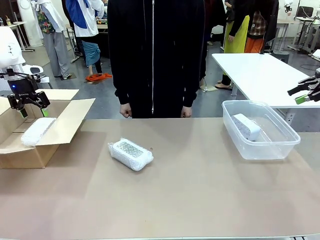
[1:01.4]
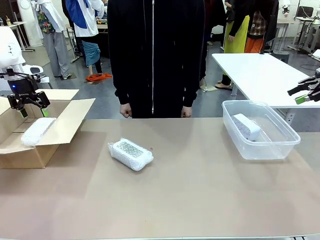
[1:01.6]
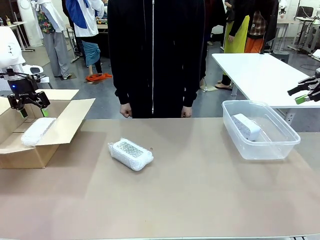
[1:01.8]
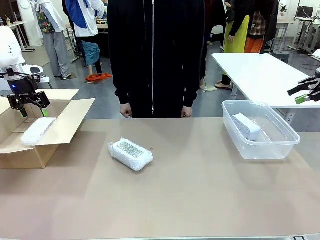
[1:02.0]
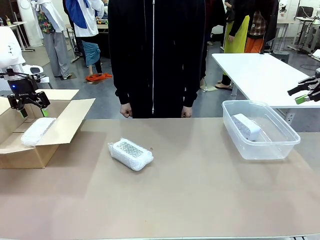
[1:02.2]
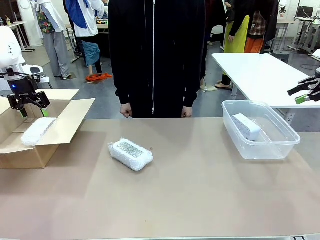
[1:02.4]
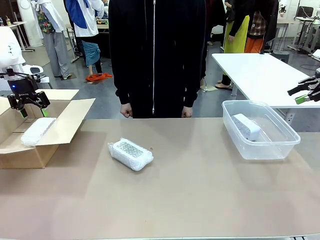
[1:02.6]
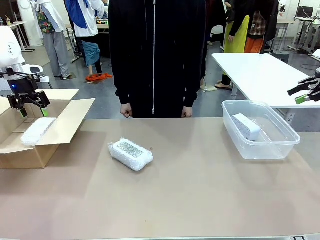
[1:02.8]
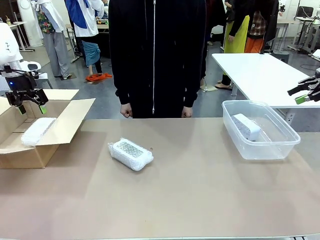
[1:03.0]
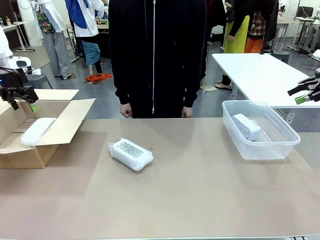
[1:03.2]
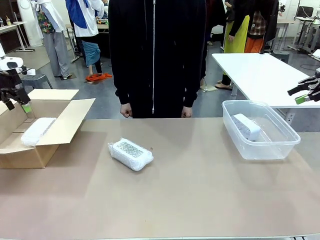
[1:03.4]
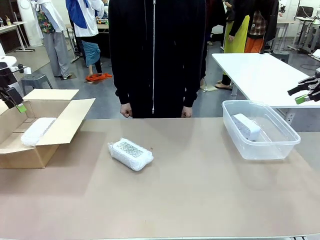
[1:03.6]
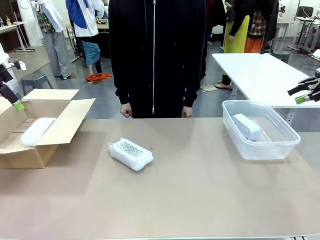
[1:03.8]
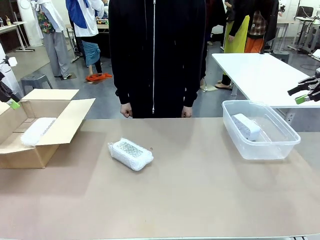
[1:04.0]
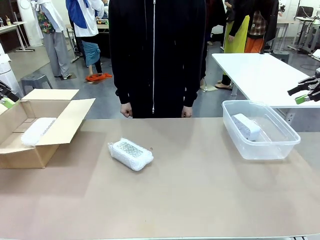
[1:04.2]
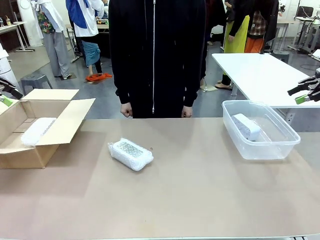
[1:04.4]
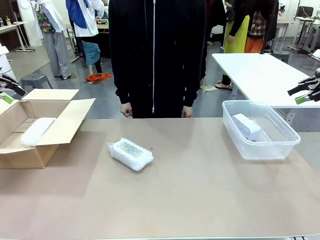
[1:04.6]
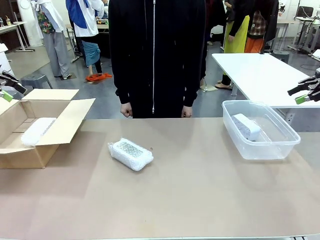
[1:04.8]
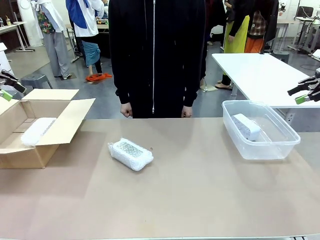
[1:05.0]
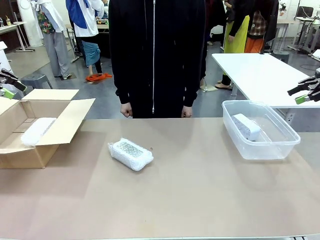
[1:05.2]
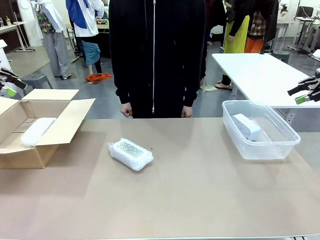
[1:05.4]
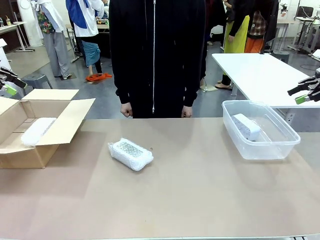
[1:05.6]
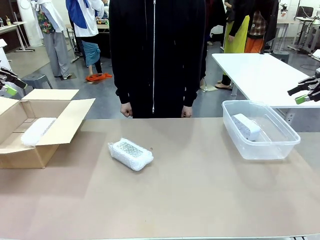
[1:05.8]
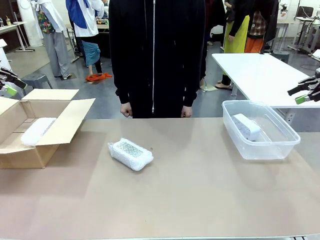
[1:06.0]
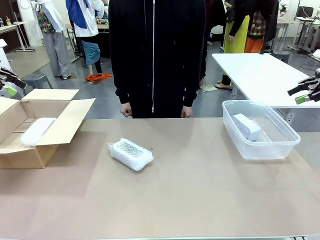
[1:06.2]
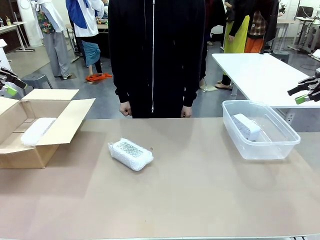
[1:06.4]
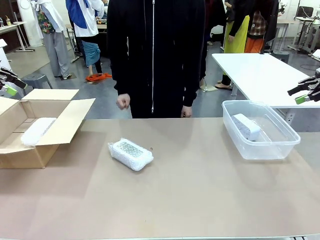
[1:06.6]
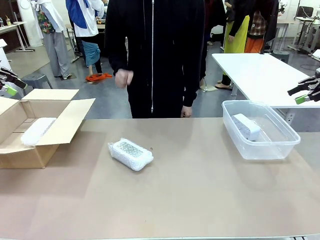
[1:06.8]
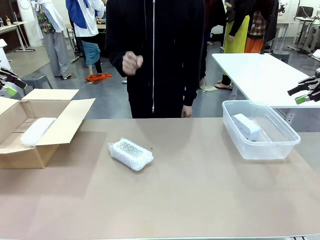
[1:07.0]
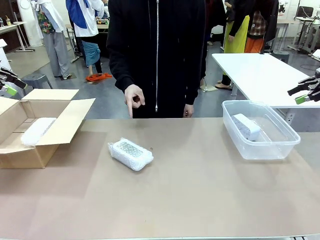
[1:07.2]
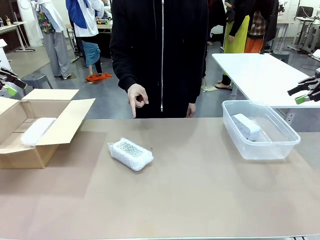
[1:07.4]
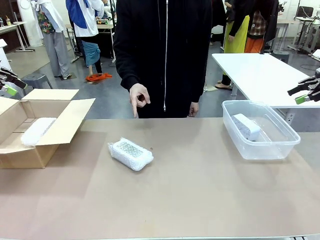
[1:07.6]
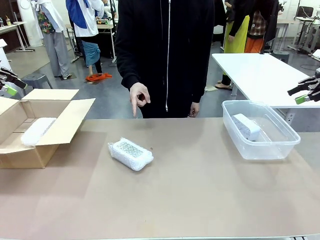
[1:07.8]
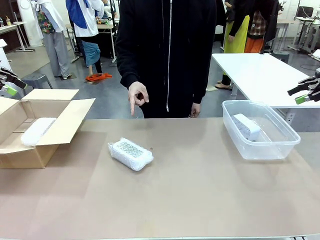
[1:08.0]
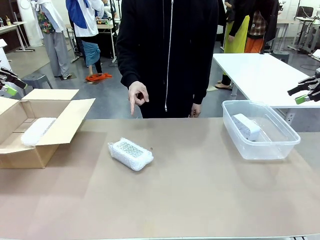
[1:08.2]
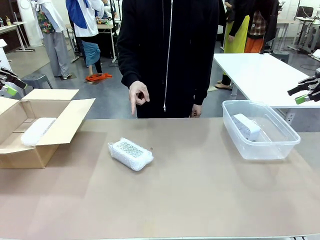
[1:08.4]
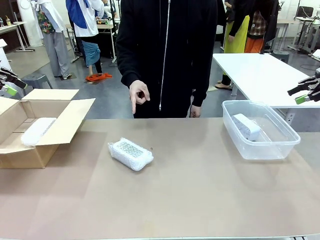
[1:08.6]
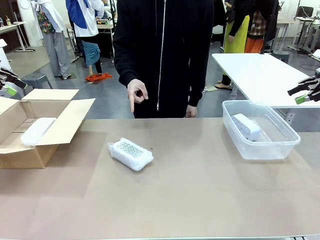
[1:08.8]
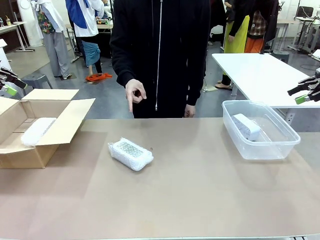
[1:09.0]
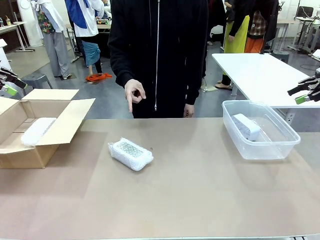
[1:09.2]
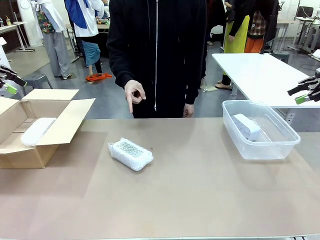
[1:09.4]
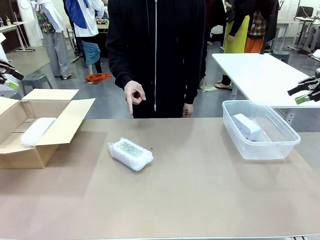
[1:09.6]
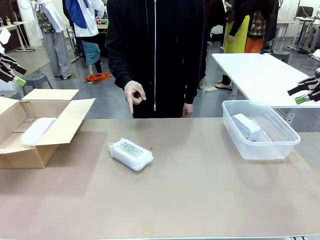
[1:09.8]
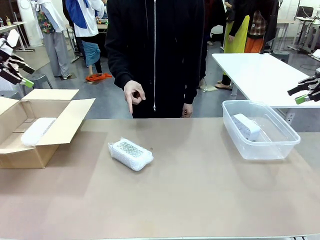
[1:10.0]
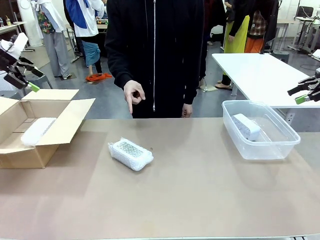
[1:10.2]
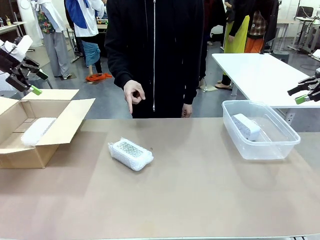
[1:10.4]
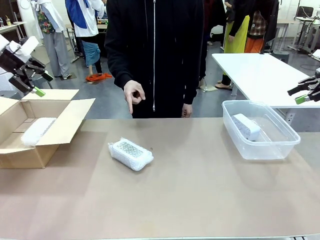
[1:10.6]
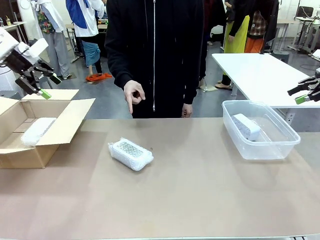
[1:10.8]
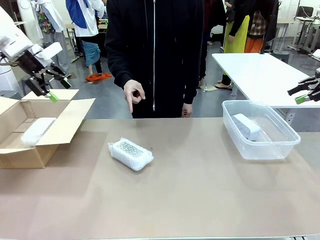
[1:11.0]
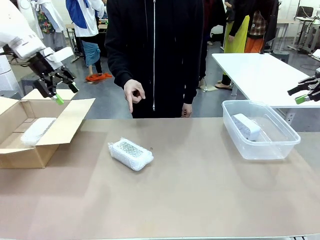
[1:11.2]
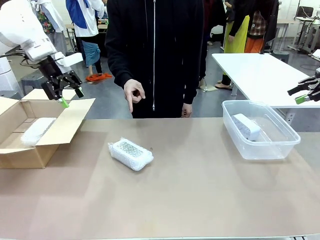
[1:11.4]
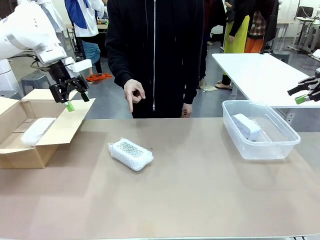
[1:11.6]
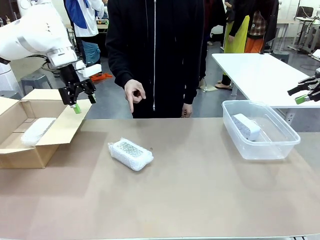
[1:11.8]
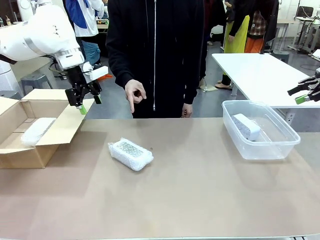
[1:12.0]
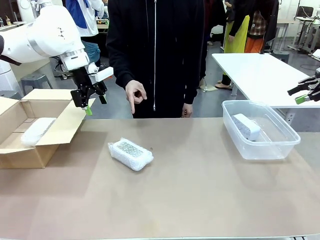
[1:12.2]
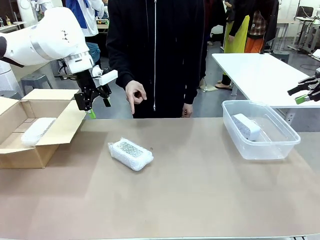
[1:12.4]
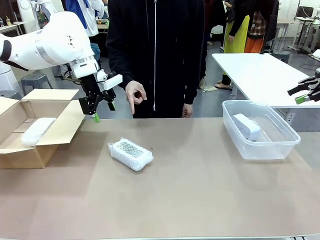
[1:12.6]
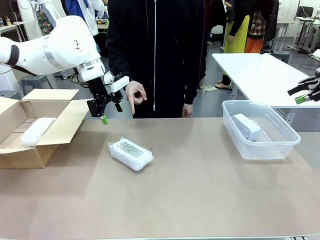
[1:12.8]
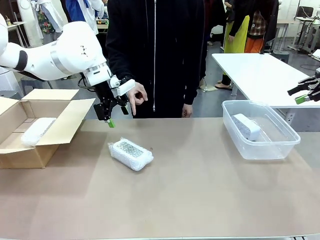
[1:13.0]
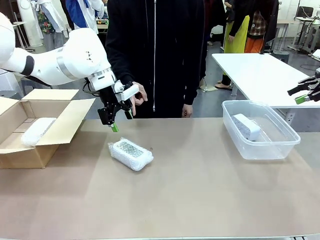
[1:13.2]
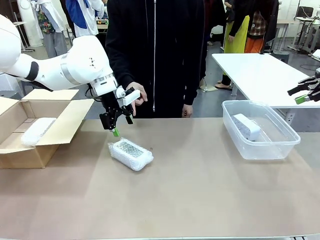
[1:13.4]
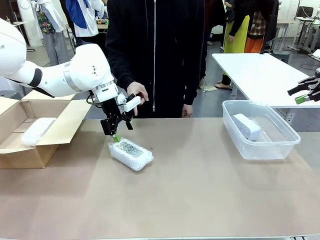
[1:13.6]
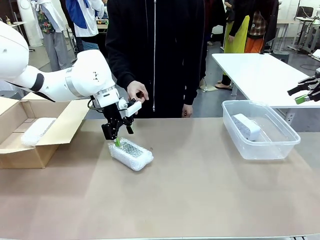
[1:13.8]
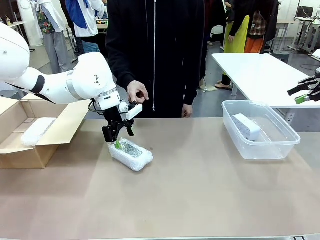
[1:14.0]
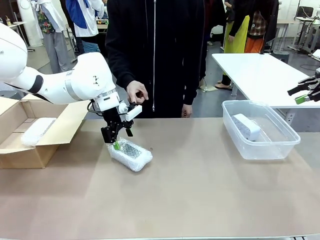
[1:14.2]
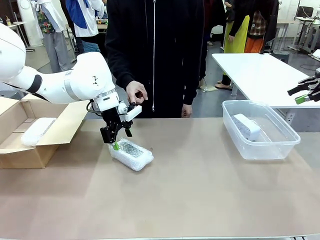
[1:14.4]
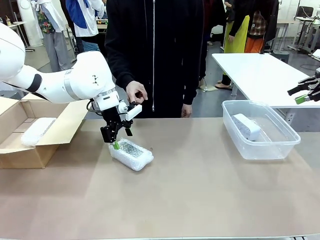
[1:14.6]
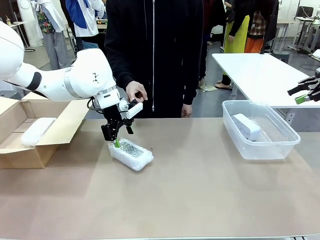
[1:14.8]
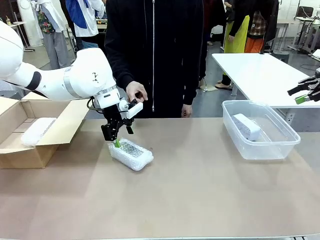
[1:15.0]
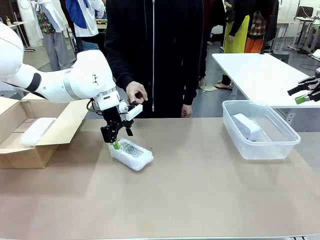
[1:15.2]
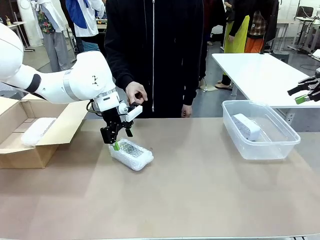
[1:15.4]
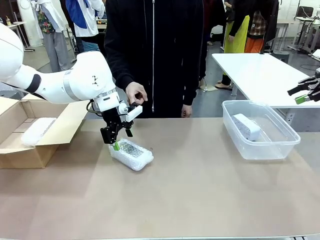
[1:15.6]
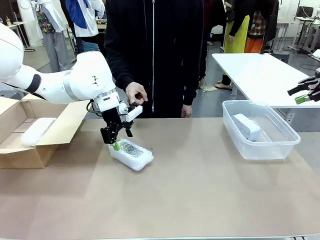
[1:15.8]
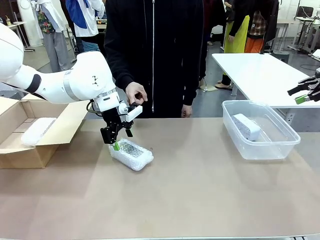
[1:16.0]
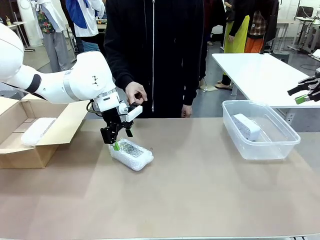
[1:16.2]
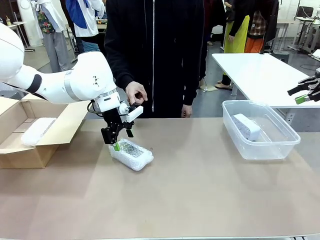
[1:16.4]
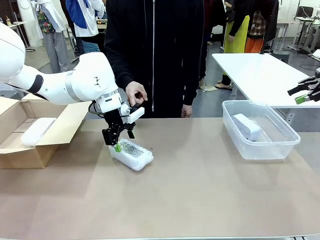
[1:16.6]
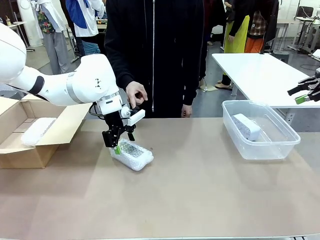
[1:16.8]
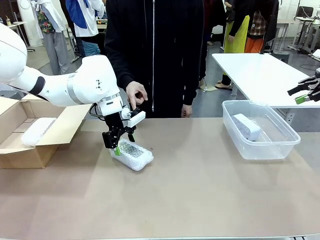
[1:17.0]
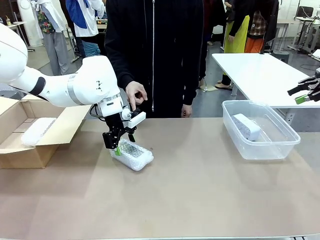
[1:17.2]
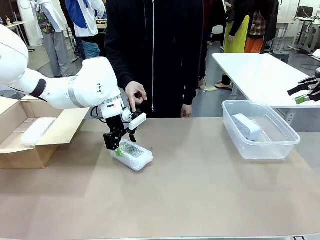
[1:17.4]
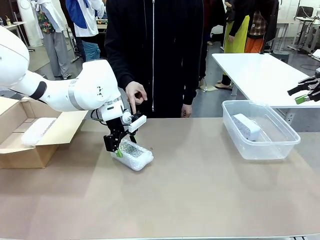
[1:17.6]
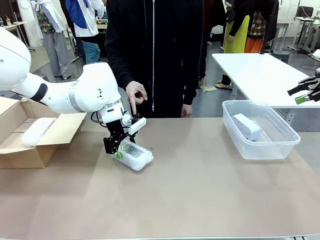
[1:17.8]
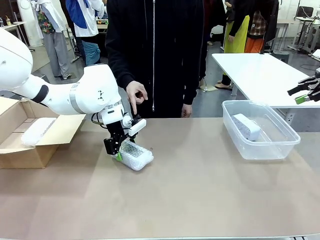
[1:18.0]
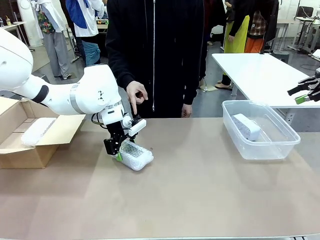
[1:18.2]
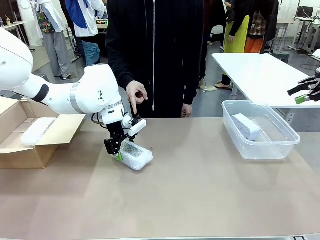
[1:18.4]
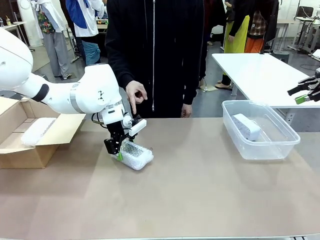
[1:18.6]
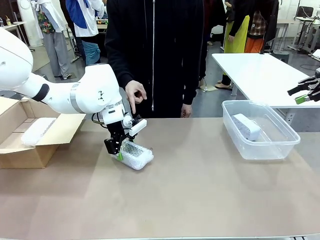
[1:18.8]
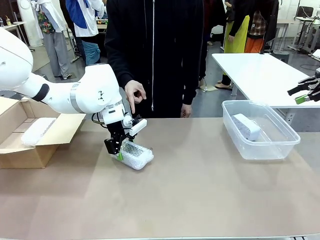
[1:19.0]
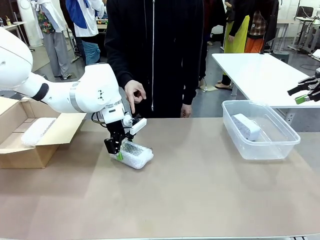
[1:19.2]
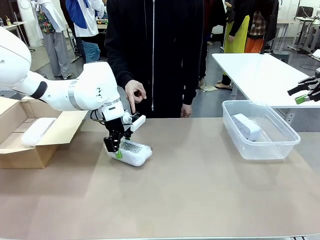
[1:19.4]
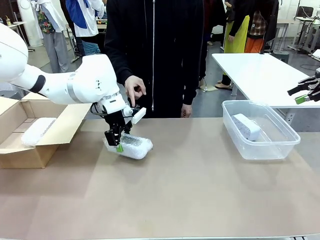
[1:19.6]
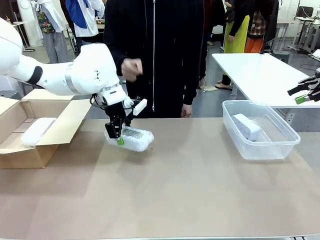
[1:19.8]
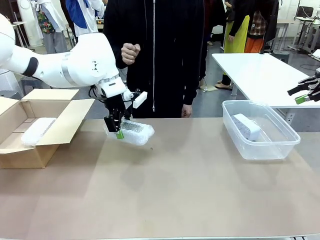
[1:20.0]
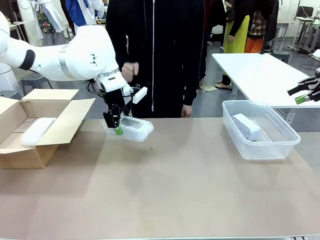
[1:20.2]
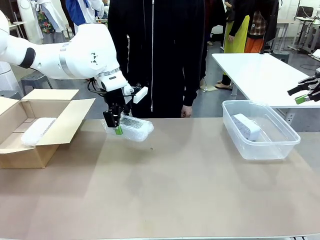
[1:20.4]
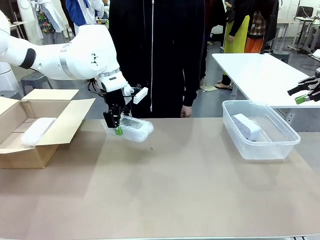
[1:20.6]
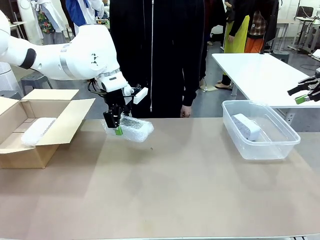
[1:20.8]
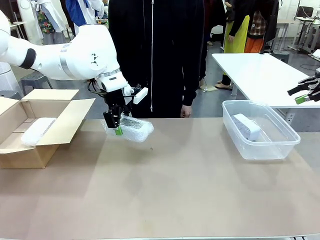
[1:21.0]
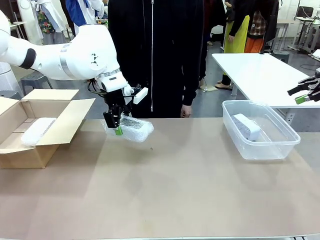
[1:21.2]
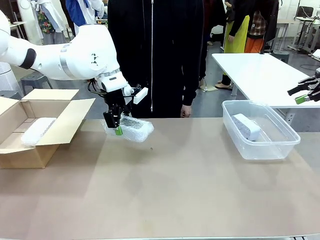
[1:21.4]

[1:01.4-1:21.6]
Task: Separate and place wrapped and unwrapped clocks.
Robot: Pick up the Digital clock indicated by the person.
